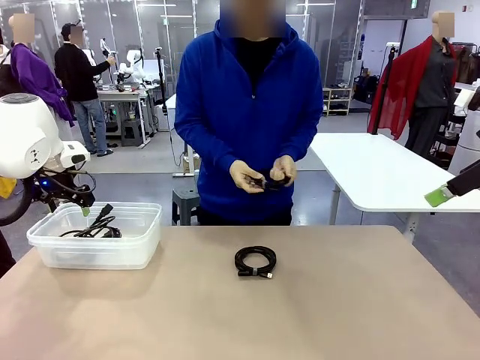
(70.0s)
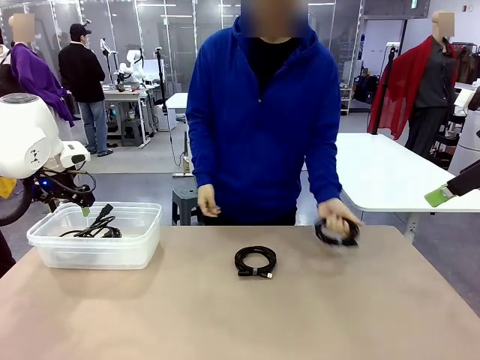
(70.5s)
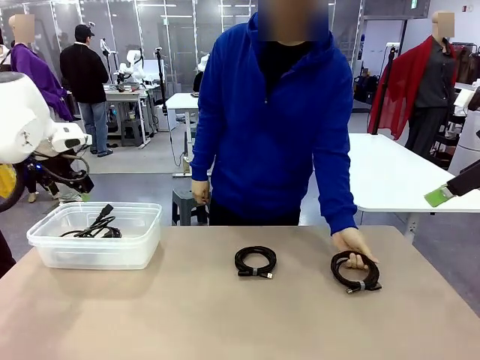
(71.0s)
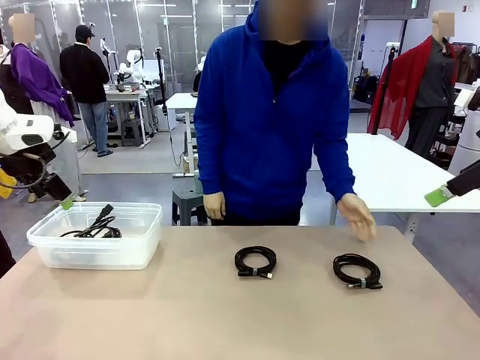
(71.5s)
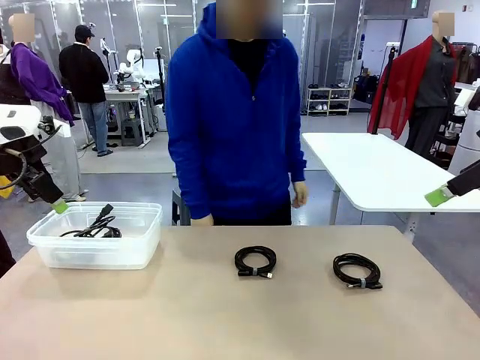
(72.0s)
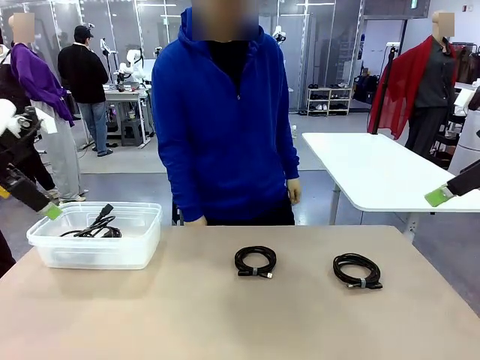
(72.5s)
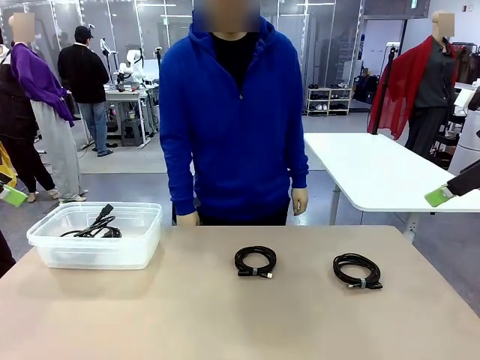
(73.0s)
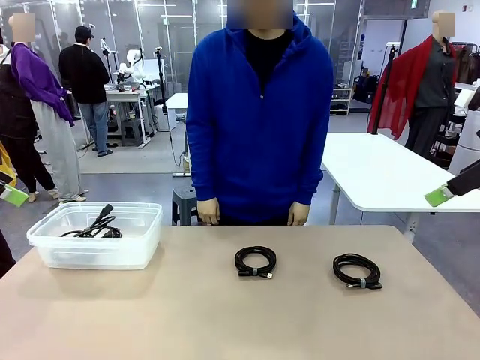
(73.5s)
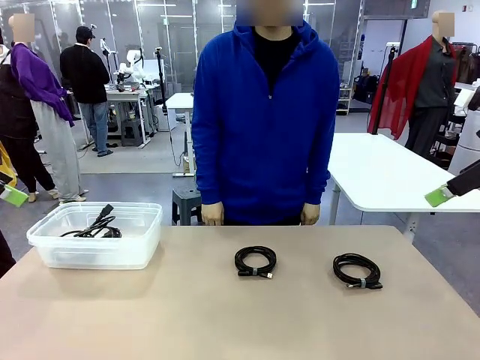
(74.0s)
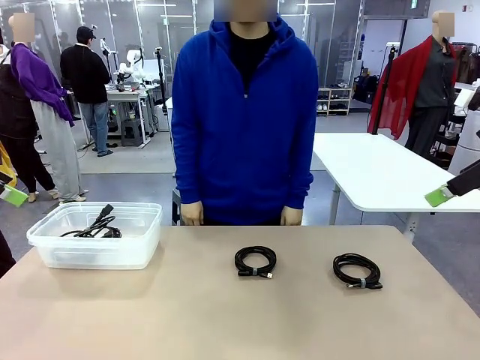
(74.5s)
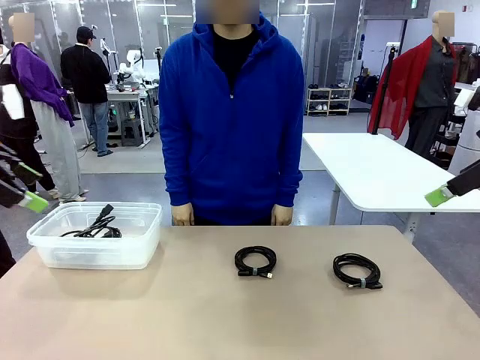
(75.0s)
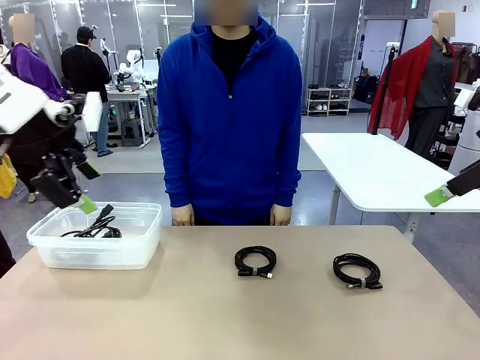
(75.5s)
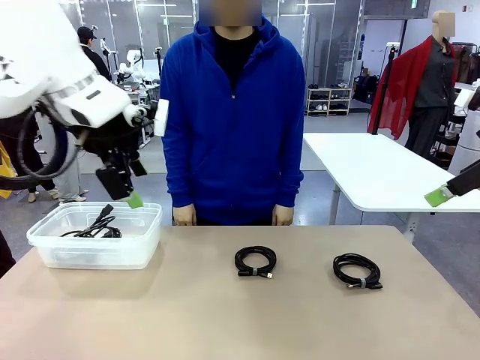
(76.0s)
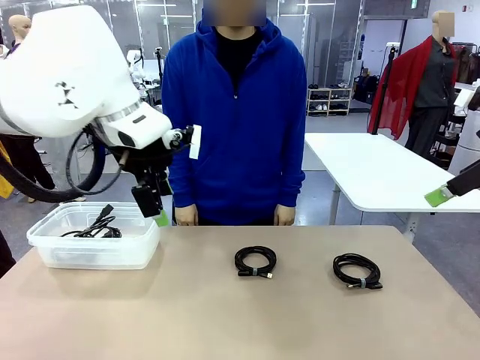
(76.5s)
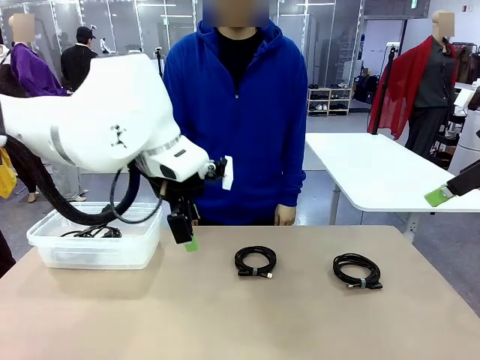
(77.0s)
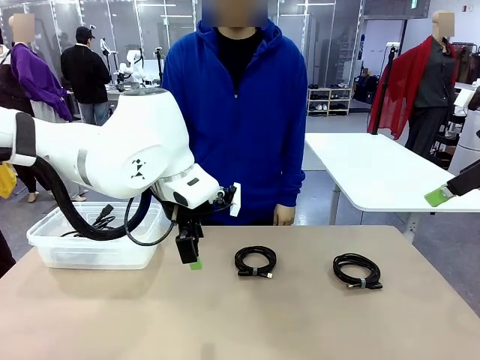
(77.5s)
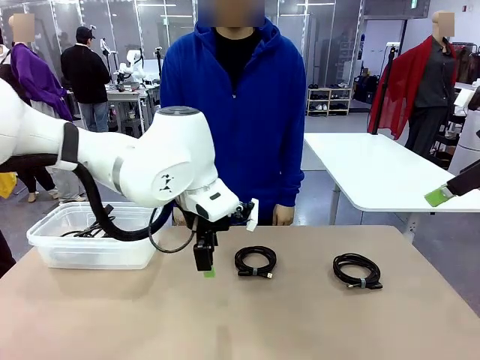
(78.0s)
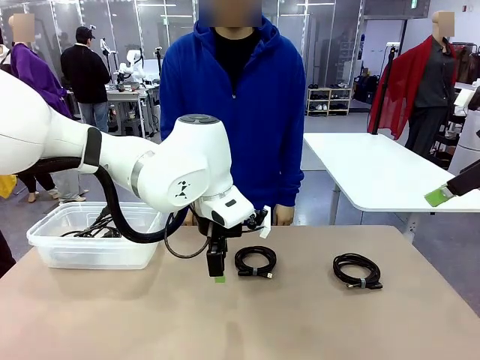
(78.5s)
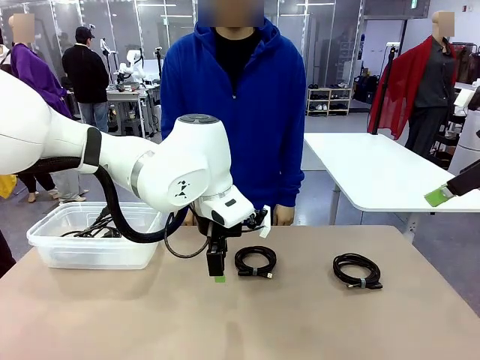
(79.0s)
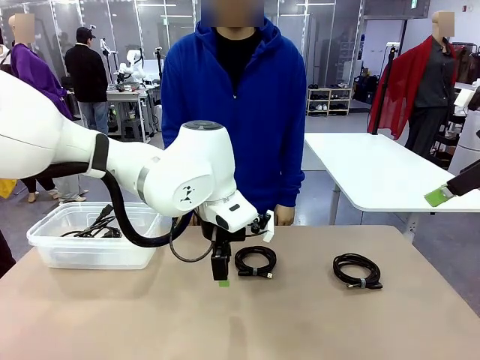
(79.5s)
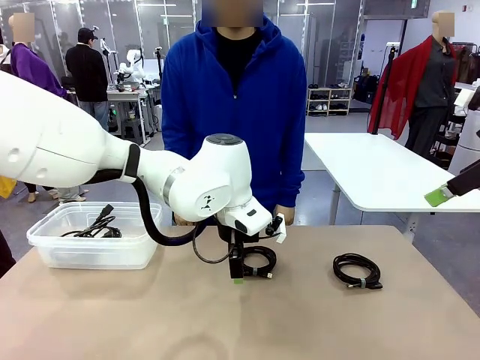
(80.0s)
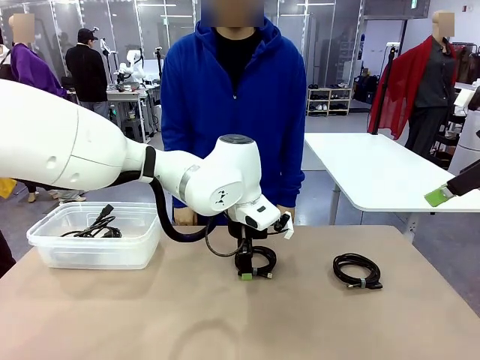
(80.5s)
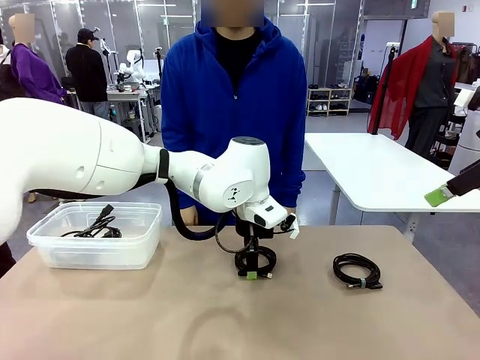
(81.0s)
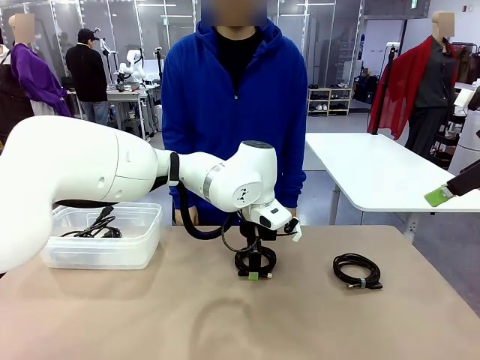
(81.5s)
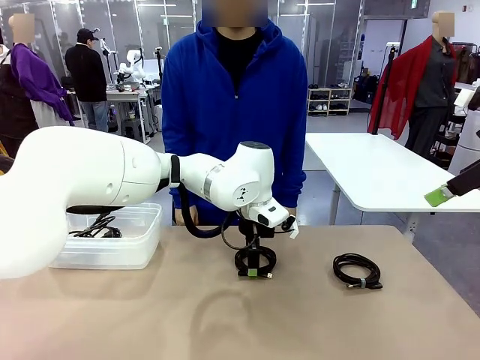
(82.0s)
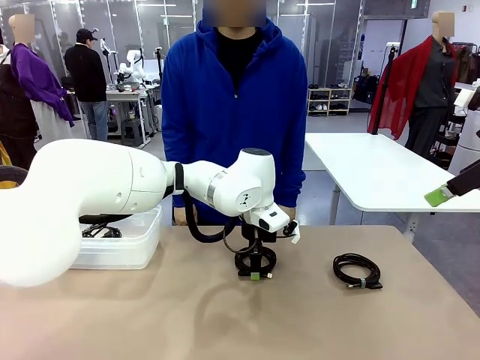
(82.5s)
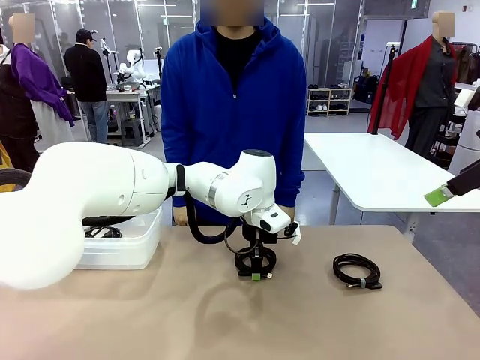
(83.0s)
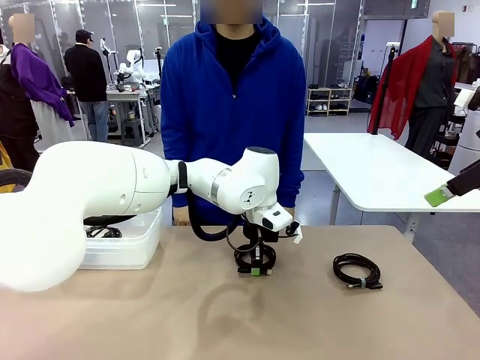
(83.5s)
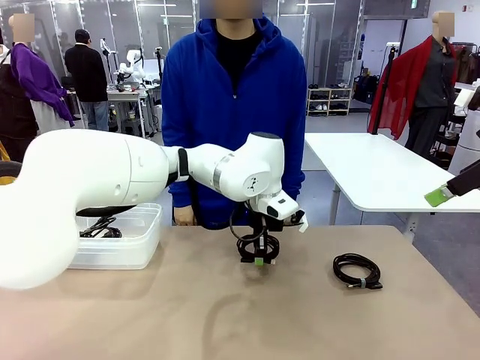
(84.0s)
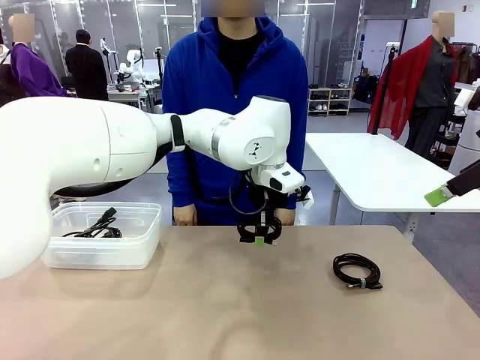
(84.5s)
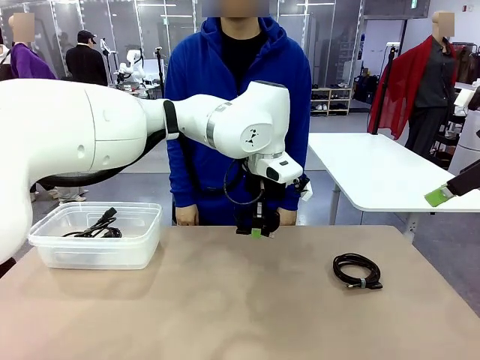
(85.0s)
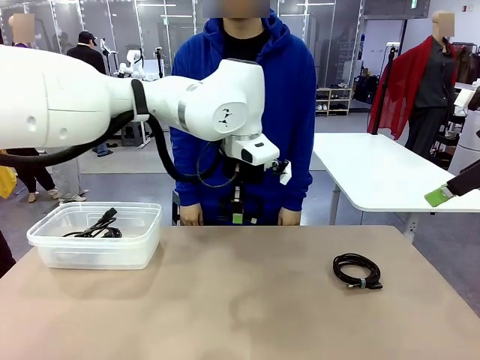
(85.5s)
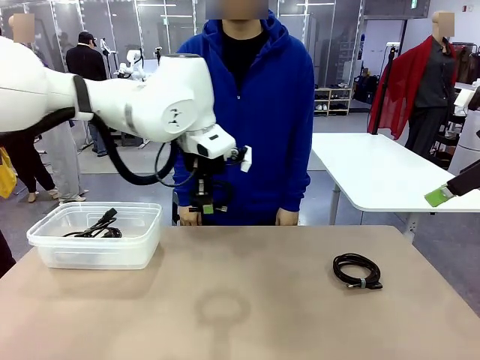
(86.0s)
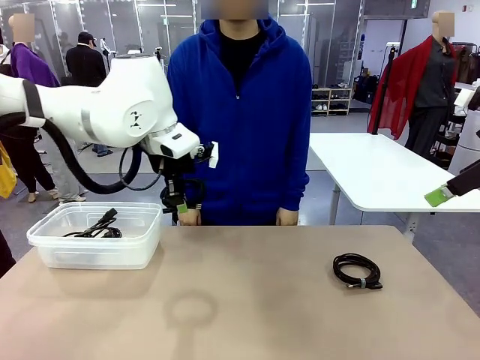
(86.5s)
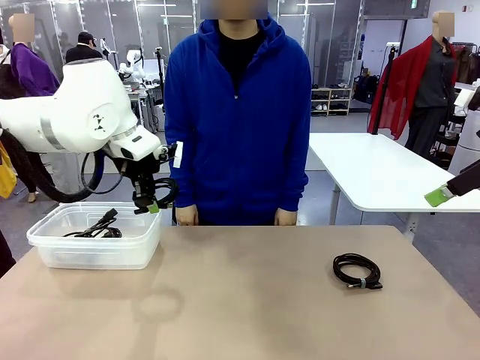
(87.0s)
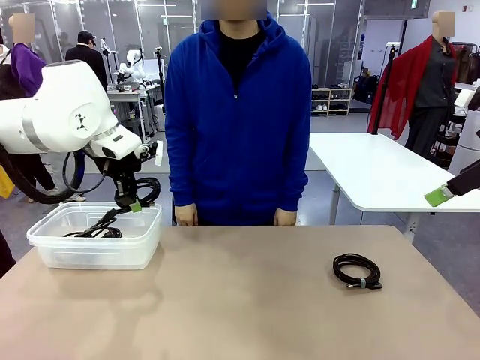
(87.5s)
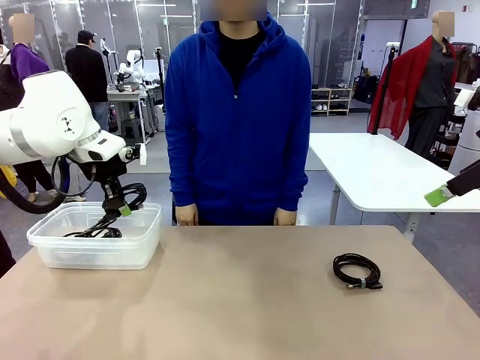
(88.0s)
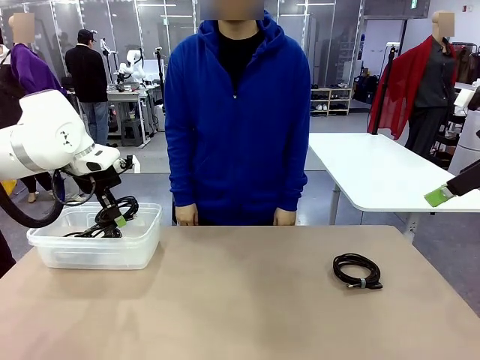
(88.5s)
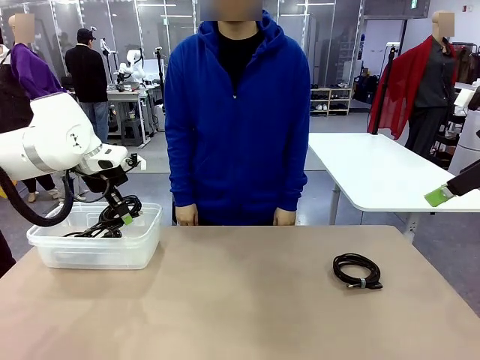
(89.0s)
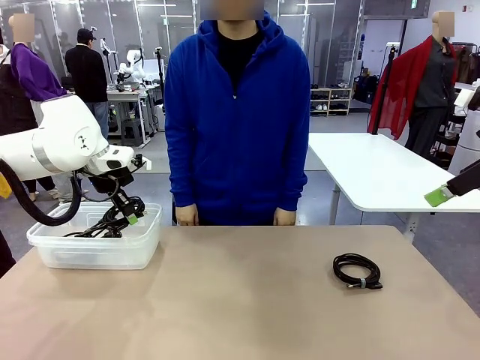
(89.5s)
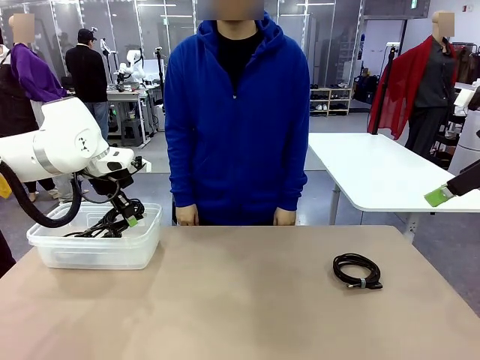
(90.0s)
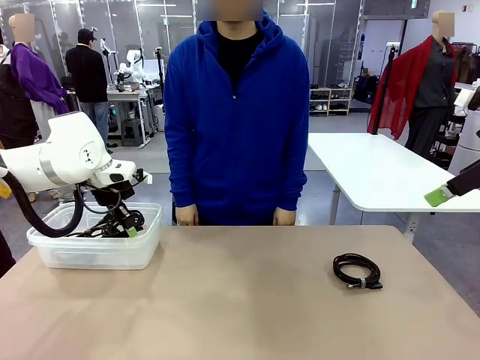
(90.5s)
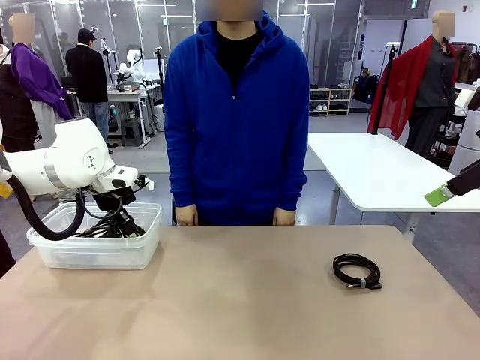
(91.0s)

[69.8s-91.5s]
Task: Organize and store the cables.
Robot: Place the USB Extension Cable into the Organizing box.
